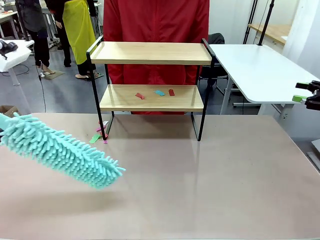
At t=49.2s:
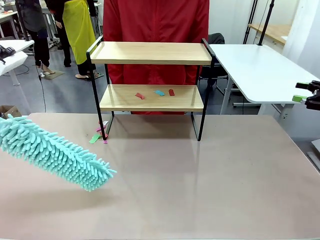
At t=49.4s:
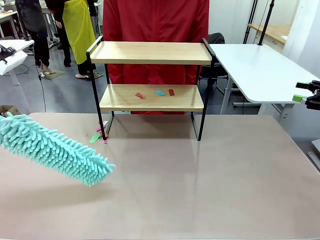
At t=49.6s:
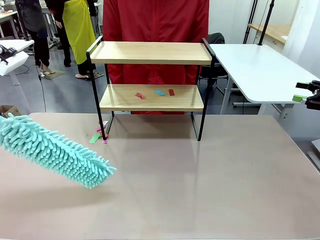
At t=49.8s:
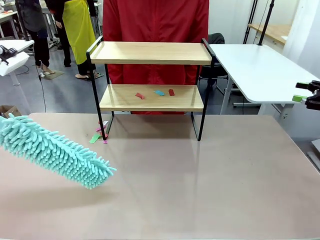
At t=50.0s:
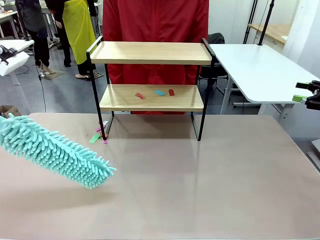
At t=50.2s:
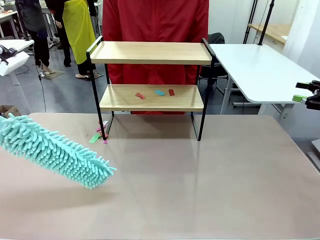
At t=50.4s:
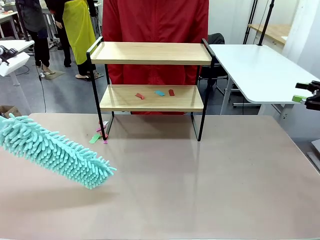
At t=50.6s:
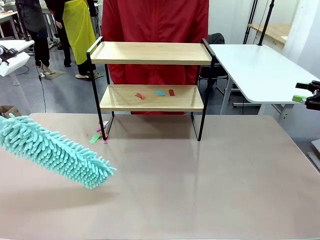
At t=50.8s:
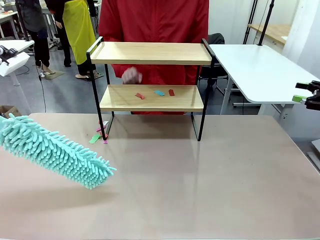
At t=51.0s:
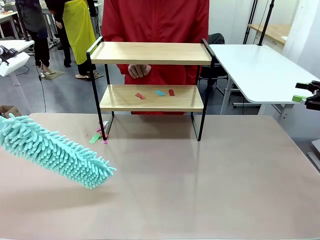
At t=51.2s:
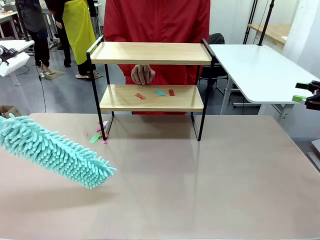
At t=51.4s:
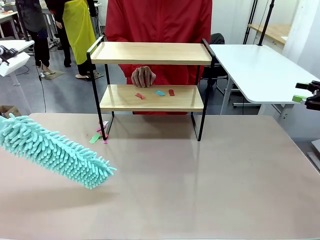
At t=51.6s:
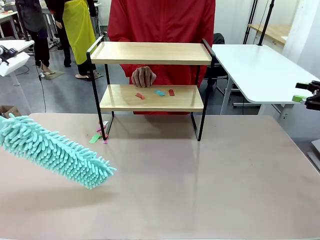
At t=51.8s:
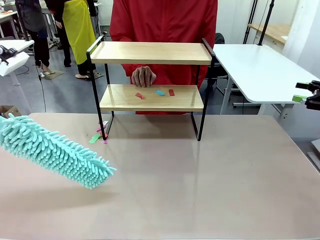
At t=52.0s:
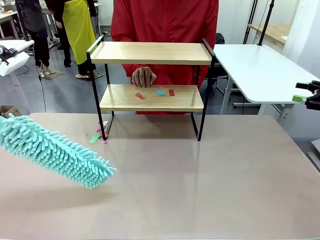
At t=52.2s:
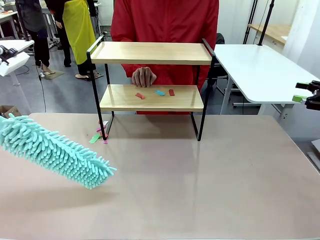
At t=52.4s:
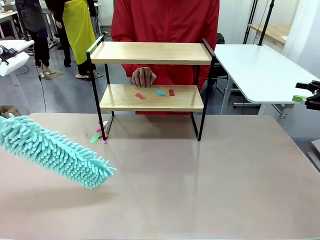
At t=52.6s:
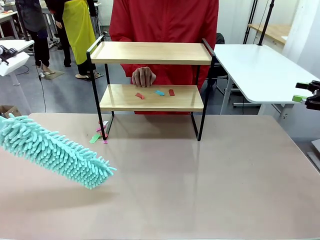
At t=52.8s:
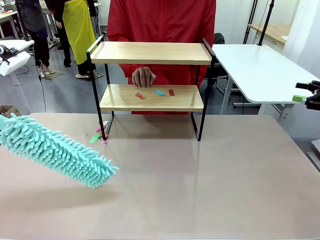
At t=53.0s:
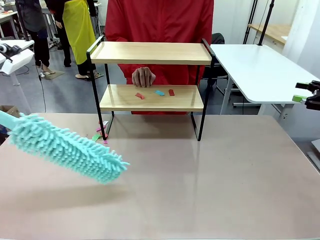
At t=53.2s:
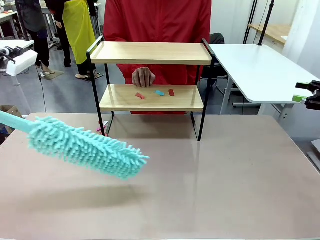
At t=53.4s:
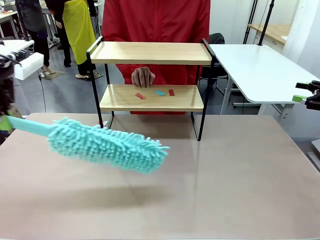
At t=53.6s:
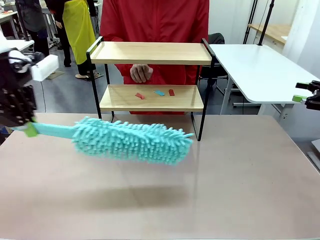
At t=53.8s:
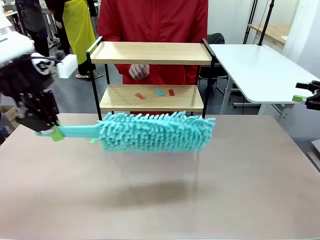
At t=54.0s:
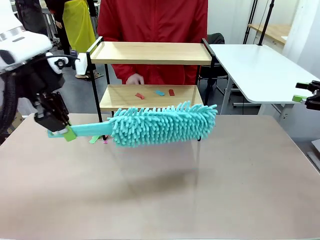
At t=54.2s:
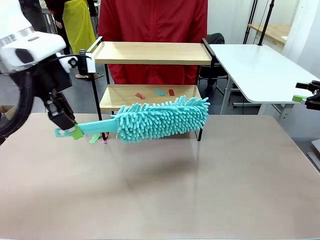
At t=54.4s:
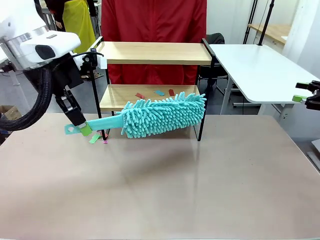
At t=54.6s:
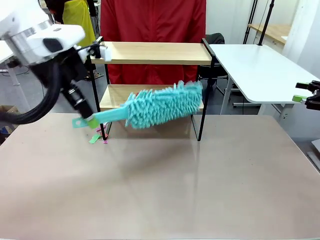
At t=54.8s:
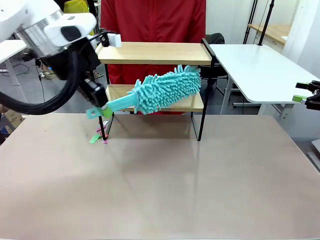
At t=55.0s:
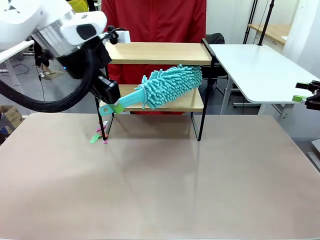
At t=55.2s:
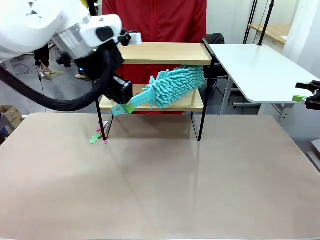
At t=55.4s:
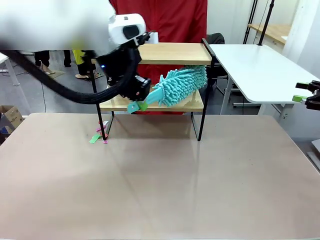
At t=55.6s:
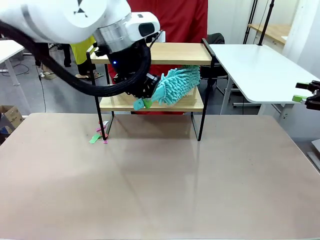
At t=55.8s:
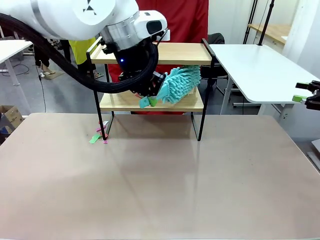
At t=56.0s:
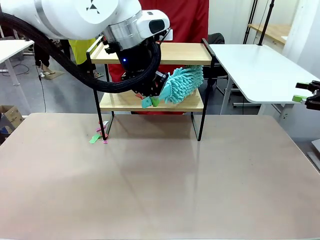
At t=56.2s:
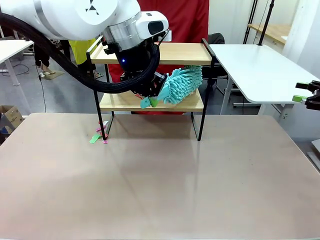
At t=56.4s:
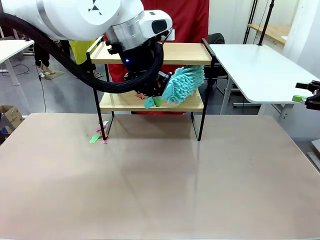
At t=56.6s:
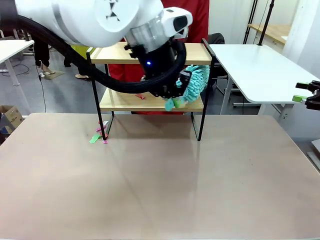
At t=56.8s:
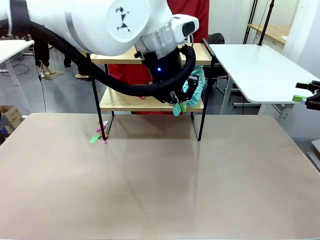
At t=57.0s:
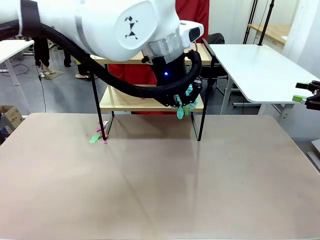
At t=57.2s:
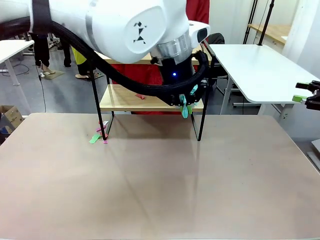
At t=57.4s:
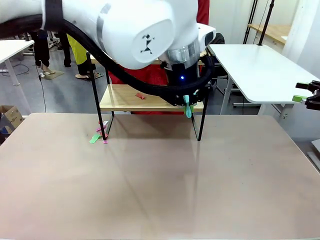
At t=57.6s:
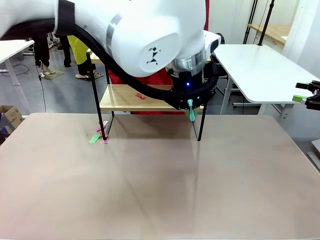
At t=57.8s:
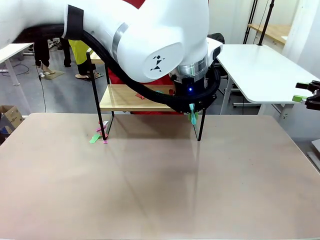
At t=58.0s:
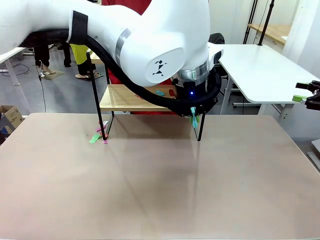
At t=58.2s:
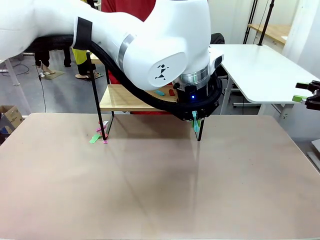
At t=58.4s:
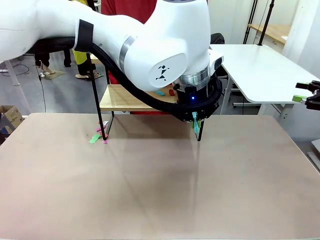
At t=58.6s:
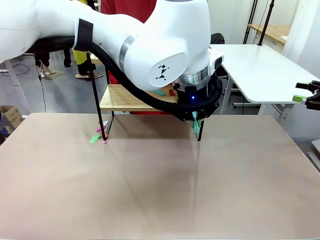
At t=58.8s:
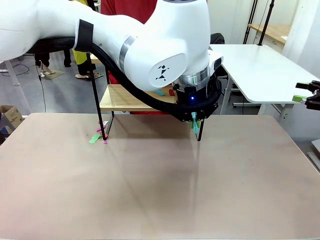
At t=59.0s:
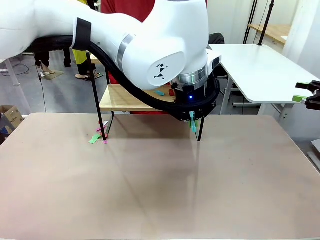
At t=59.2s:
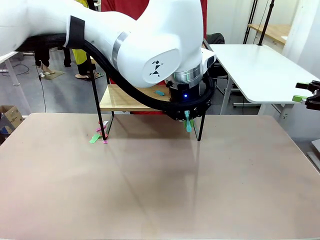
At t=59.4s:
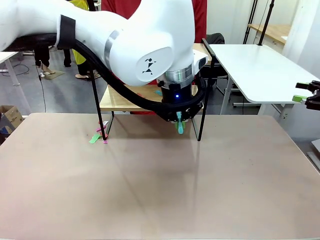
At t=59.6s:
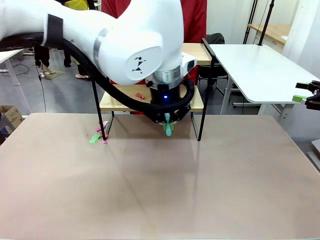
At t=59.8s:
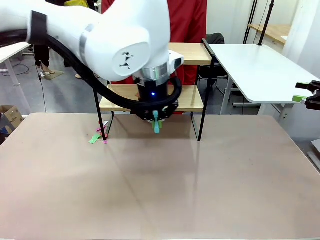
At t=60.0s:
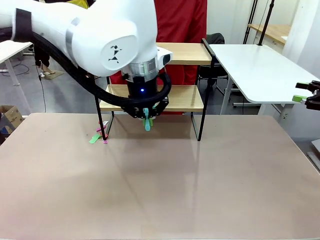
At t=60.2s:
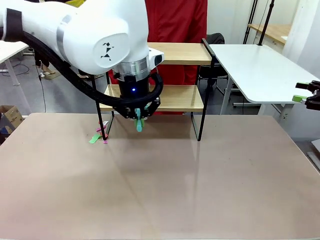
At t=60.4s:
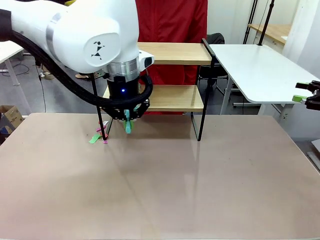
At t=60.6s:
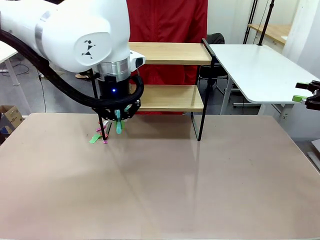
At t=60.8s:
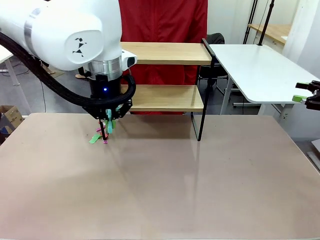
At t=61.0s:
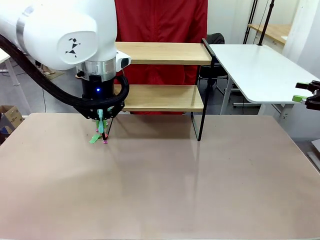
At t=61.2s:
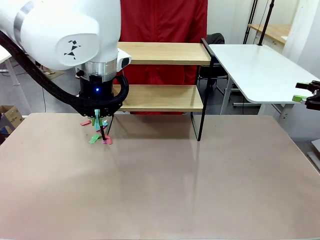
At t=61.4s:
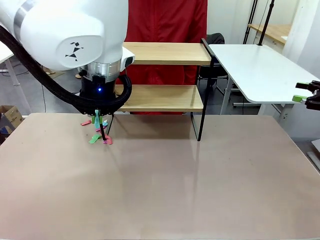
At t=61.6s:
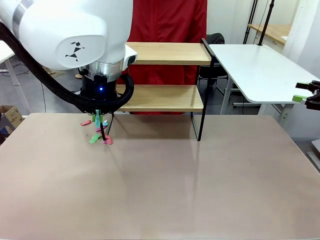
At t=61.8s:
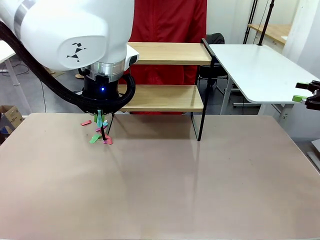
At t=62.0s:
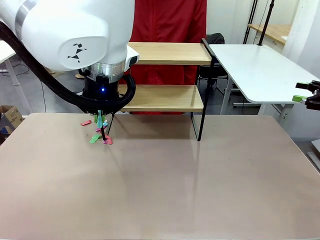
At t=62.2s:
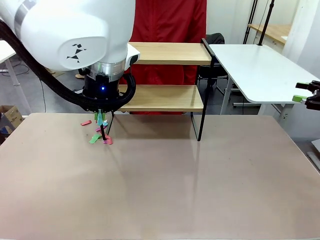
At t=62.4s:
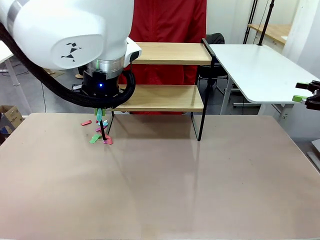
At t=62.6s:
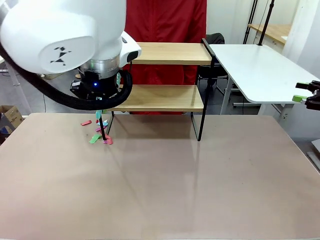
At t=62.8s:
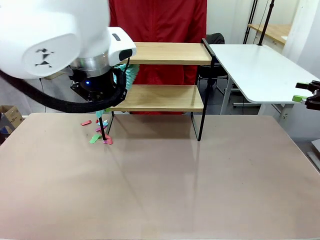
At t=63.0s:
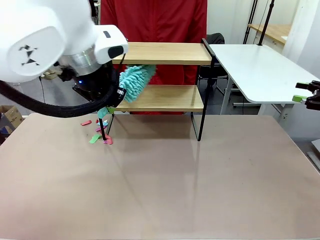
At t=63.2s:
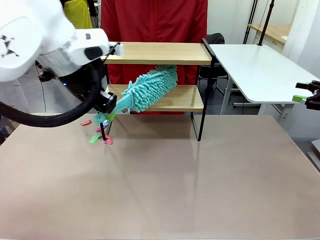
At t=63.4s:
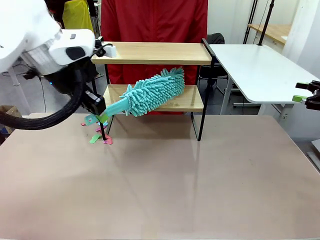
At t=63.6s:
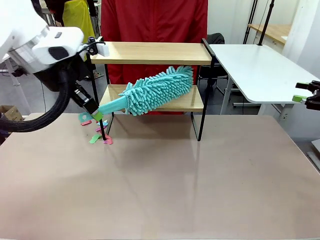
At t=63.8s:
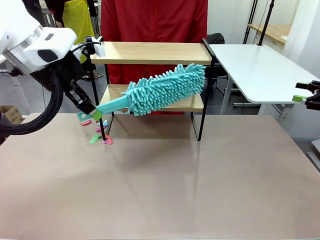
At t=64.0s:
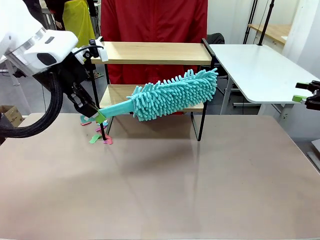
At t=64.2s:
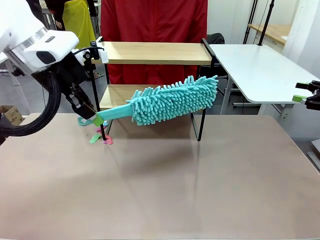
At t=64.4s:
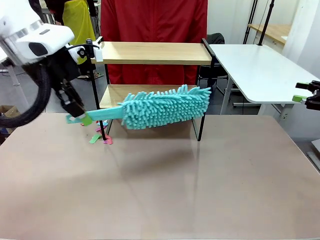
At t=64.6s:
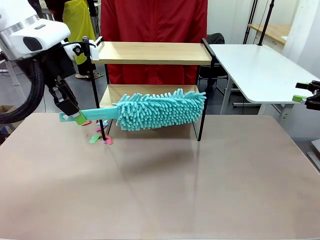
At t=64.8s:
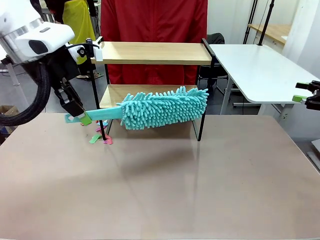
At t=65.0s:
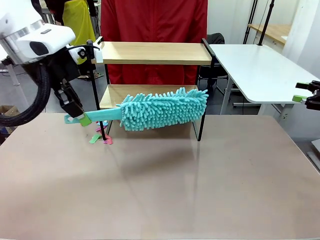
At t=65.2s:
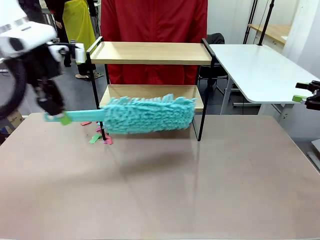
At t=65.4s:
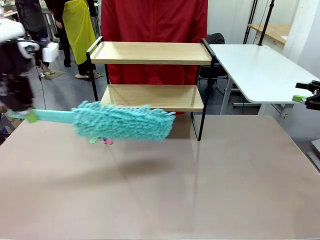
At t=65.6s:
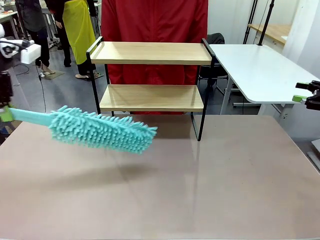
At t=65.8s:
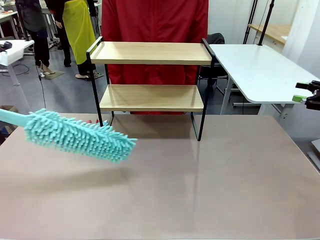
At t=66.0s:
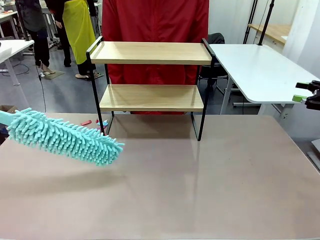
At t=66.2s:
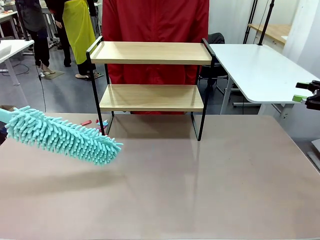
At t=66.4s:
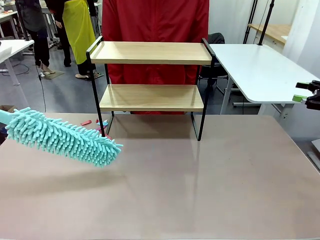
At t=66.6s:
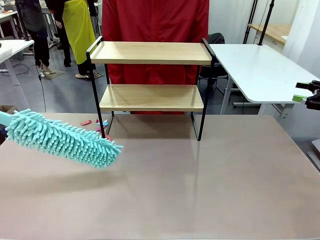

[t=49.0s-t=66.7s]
Task: Clean the shelf.
Robot: Clean the specific section of the Shelf indicated by the human with the Duster.

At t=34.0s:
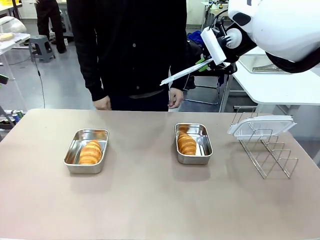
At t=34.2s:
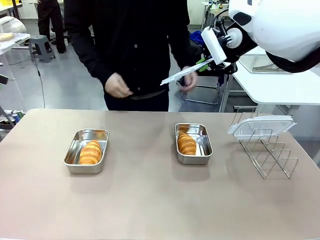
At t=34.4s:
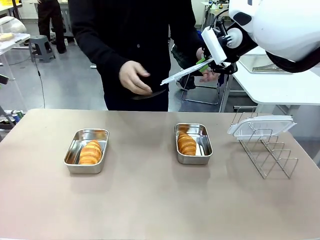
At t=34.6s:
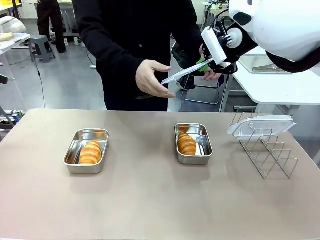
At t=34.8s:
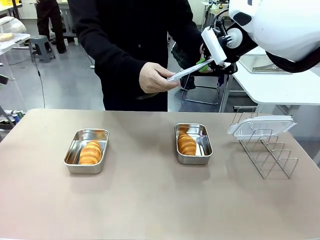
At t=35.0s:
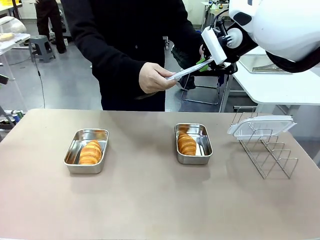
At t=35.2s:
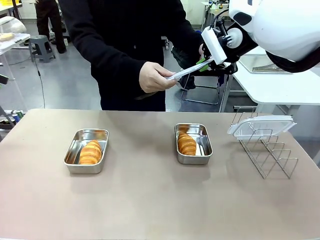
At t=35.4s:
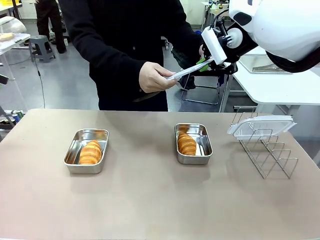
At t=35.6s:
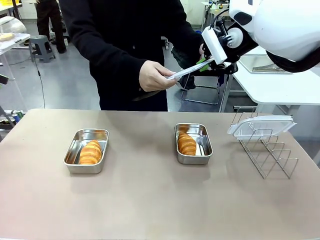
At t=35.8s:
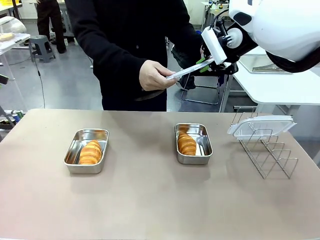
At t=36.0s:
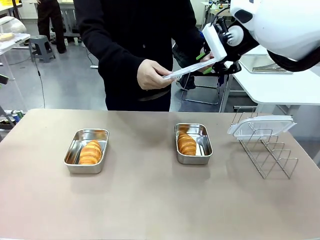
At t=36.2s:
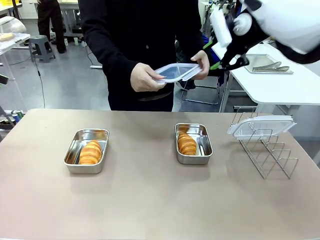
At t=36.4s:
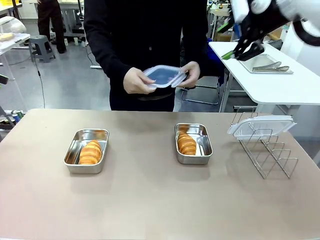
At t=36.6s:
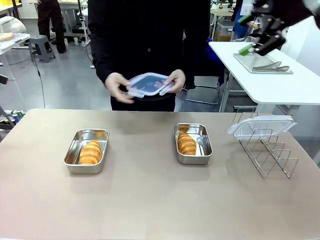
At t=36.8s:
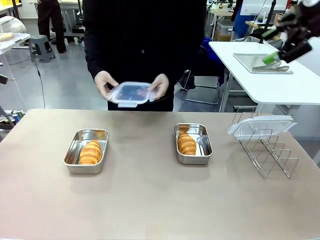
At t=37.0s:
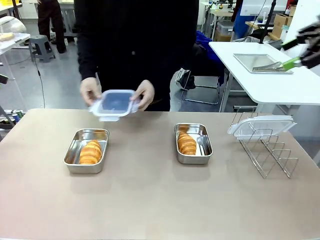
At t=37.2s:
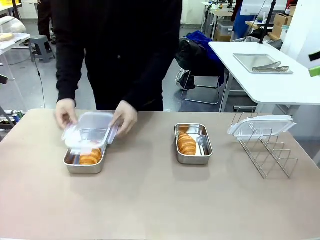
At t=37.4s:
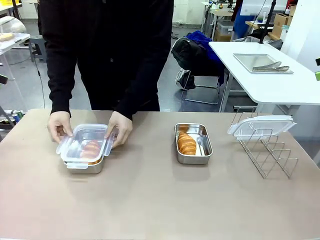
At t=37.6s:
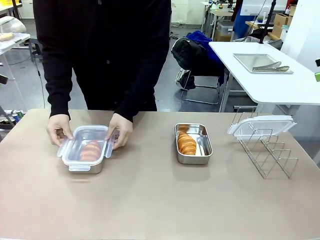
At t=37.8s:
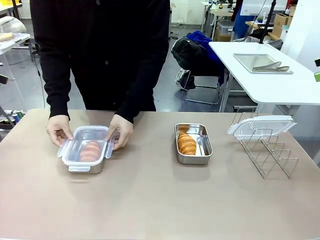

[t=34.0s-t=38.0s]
Task: Place the bread in airtight containers.
Robot: Release when the human grabs the Airtight Container lid.
